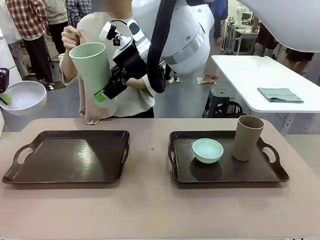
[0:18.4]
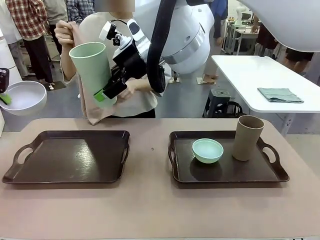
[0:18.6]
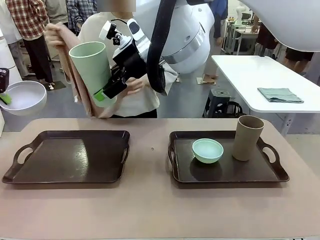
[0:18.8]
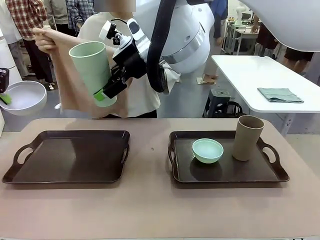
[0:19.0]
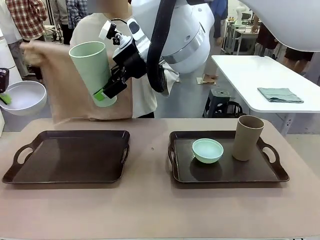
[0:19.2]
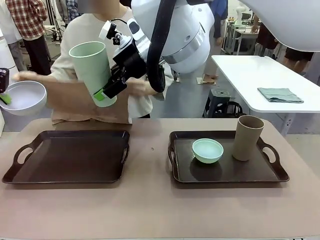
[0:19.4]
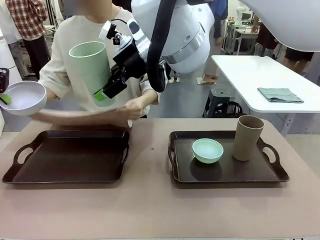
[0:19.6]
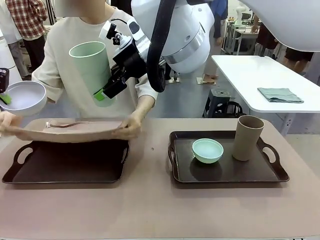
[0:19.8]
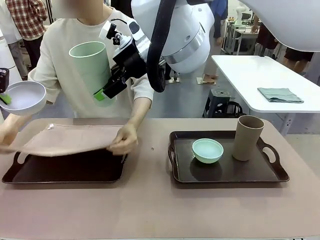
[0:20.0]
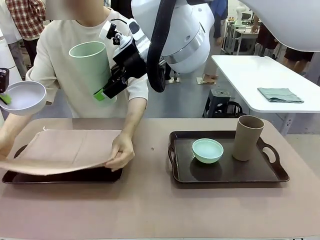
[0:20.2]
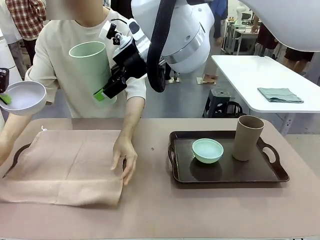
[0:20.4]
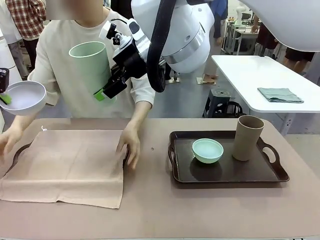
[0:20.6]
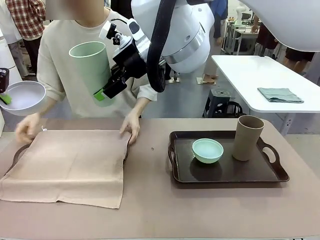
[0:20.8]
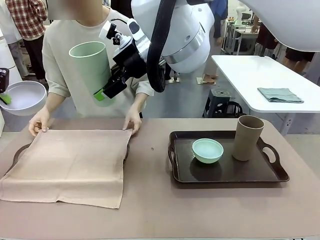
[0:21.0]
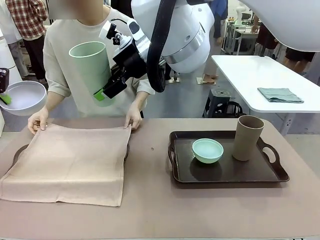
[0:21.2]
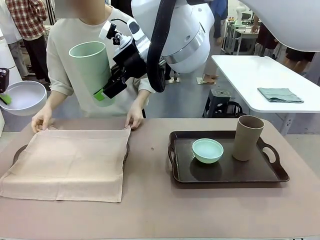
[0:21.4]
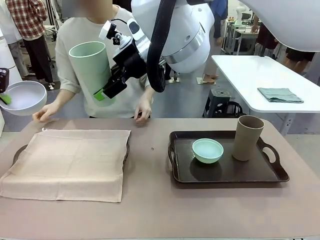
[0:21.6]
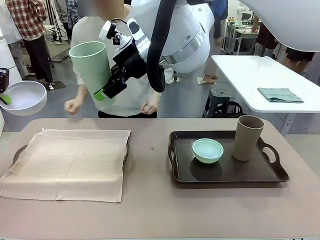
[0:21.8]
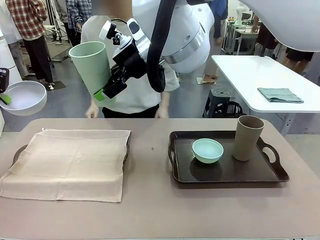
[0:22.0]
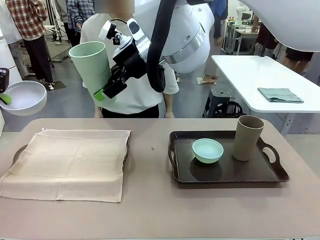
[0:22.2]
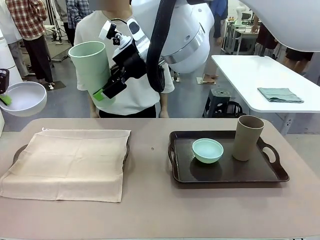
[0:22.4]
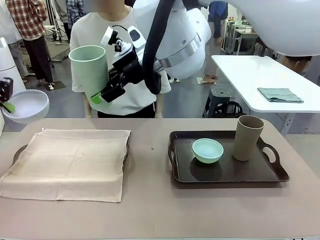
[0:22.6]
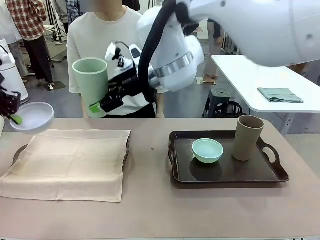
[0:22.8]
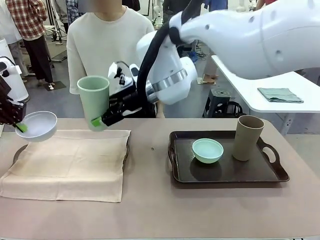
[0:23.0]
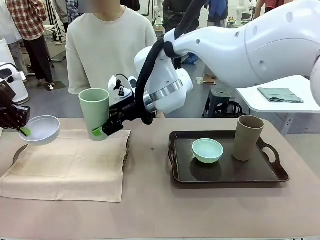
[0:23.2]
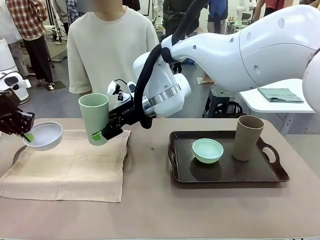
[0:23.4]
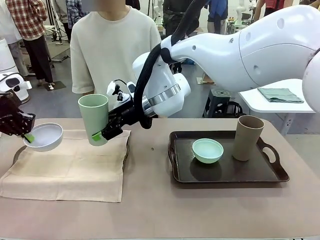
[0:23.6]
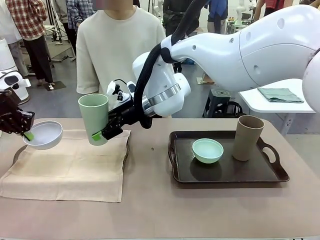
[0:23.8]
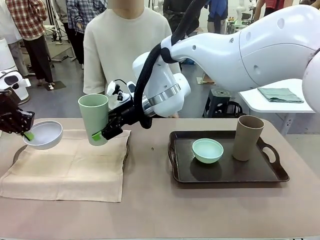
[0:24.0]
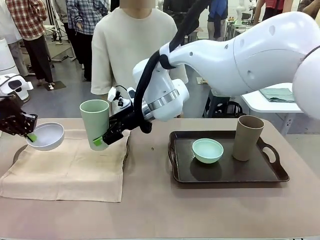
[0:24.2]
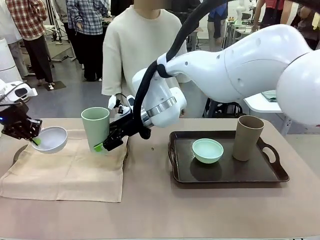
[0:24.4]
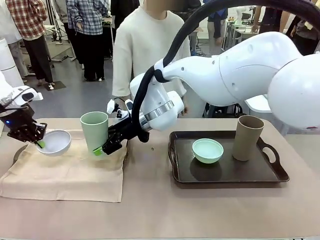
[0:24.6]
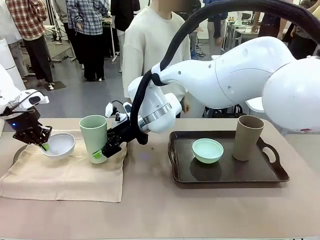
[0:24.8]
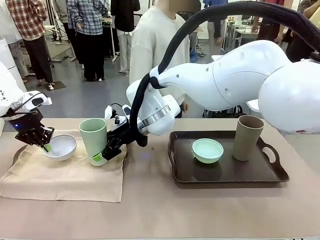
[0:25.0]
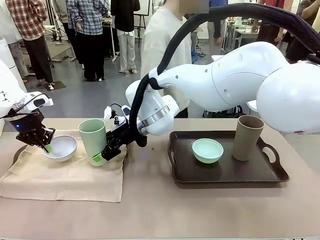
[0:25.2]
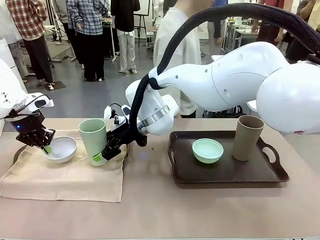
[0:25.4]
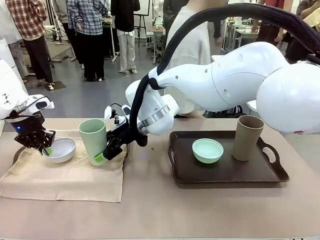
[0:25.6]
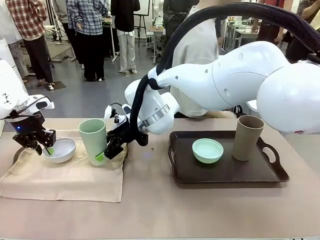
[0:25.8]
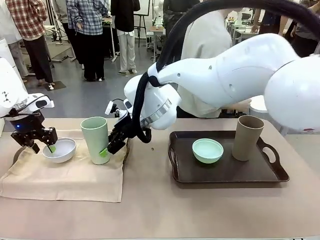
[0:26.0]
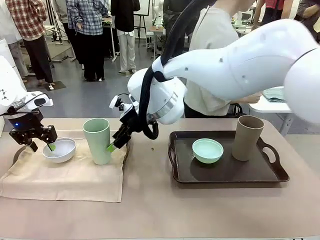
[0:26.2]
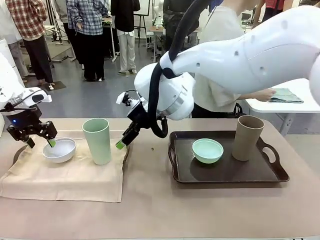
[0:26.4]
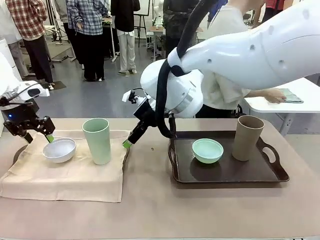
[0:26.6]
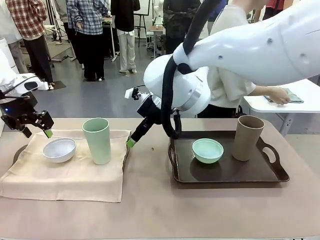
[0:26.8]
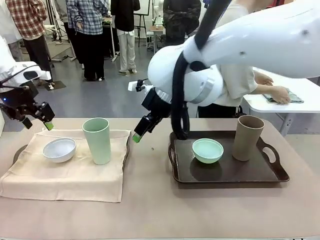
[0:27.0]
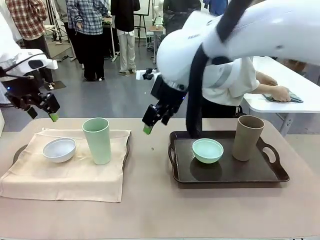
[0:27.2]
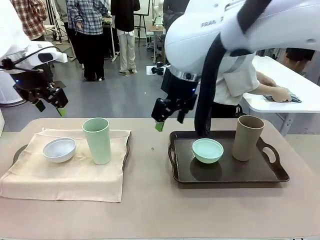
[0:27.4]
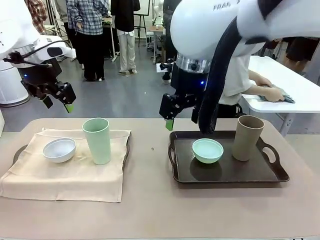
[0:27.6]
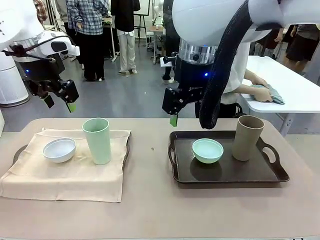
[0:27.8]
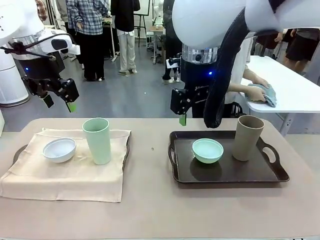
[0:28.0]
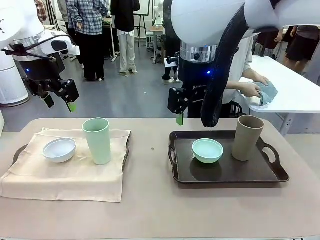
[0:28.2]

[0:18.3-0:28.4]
Robot: Place the Picnic Bowl and Reusable plastic cup back onto the Handle tray in front of the human's position.
Person: The human returns to the human table to pick up another napkin and walks to the robot table to stand in front of the tray without a napkin.

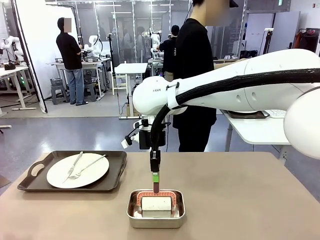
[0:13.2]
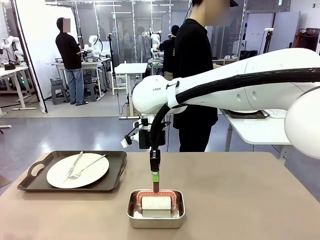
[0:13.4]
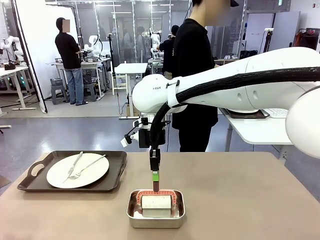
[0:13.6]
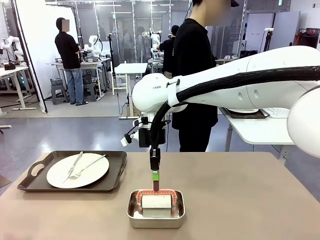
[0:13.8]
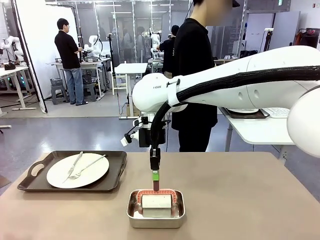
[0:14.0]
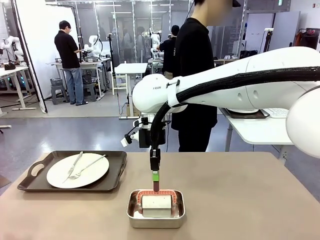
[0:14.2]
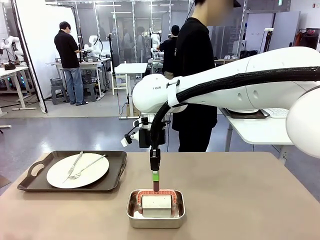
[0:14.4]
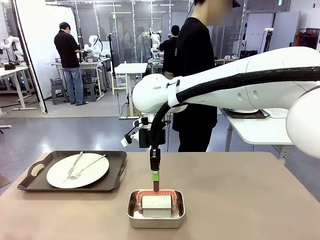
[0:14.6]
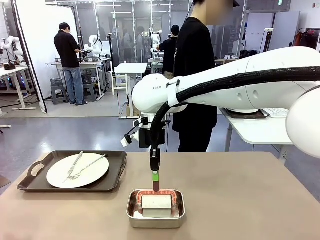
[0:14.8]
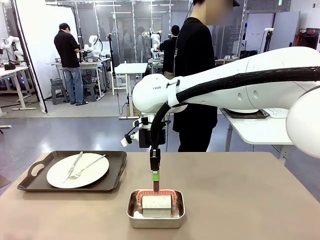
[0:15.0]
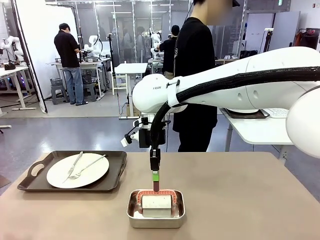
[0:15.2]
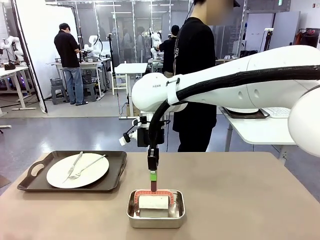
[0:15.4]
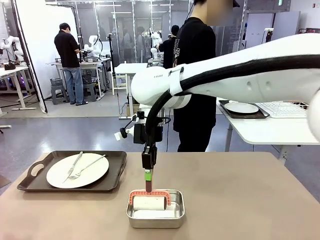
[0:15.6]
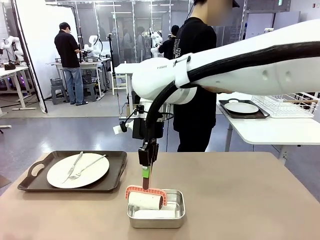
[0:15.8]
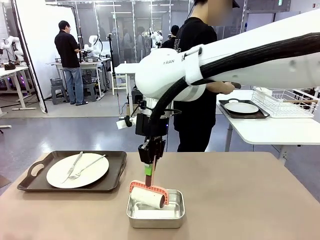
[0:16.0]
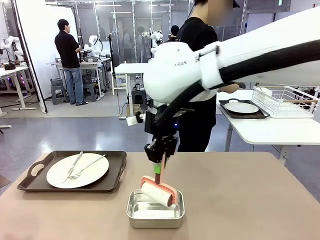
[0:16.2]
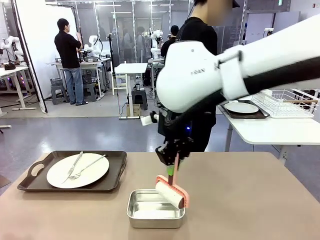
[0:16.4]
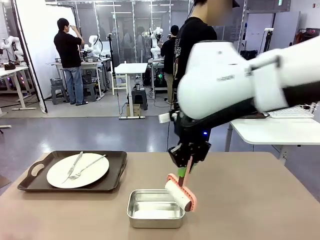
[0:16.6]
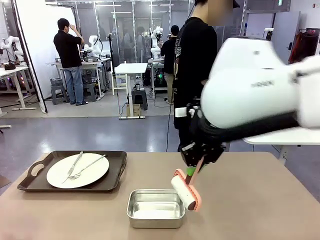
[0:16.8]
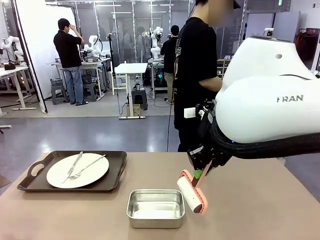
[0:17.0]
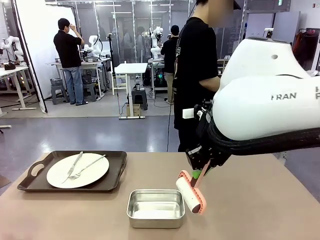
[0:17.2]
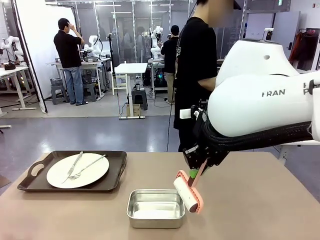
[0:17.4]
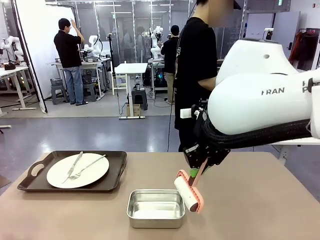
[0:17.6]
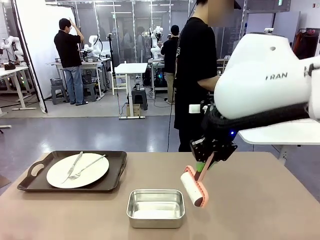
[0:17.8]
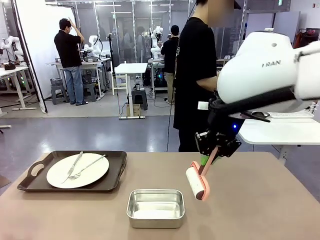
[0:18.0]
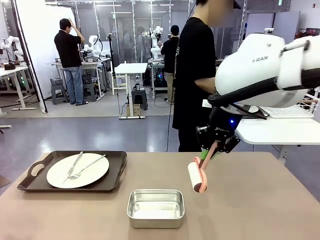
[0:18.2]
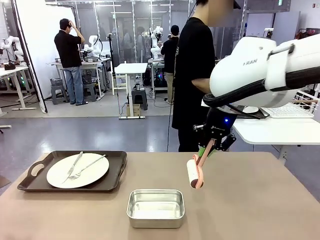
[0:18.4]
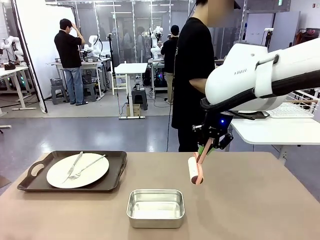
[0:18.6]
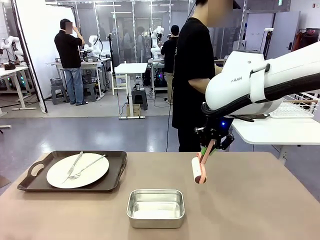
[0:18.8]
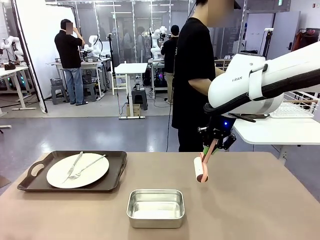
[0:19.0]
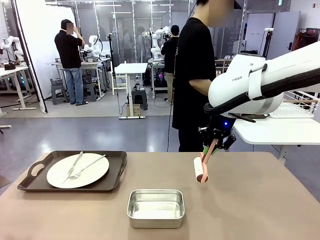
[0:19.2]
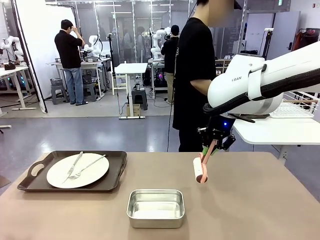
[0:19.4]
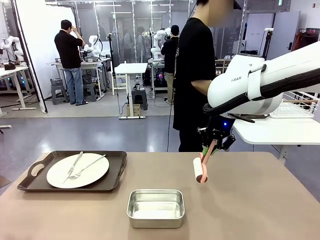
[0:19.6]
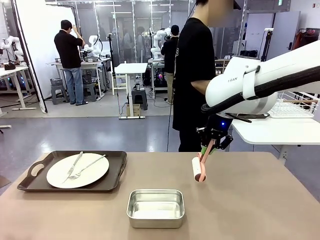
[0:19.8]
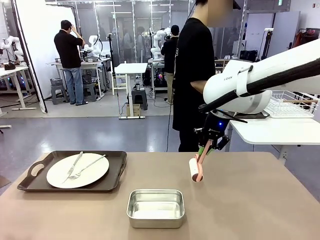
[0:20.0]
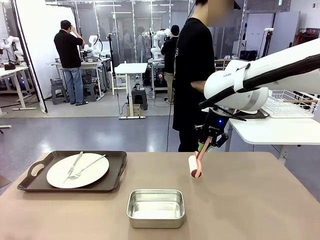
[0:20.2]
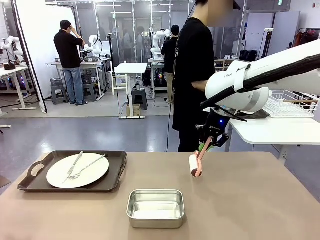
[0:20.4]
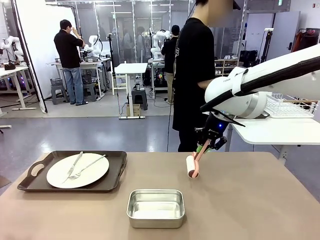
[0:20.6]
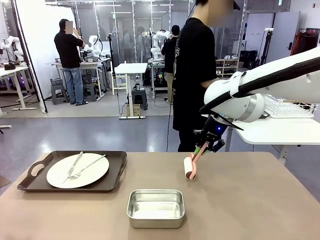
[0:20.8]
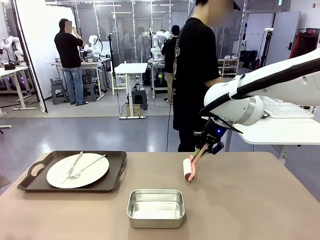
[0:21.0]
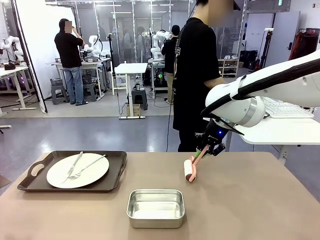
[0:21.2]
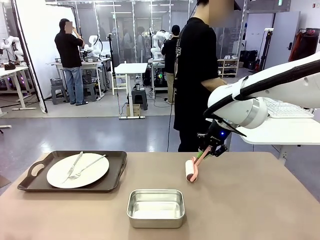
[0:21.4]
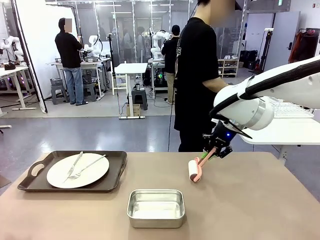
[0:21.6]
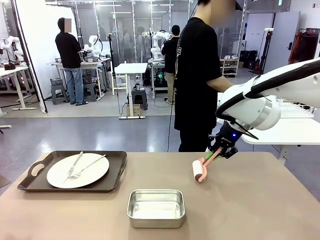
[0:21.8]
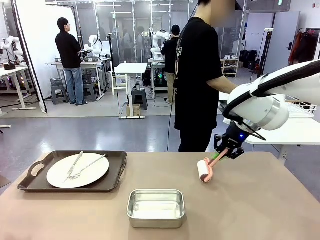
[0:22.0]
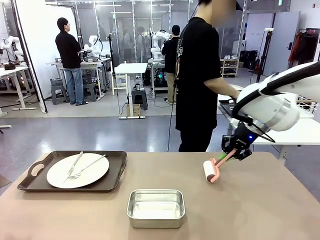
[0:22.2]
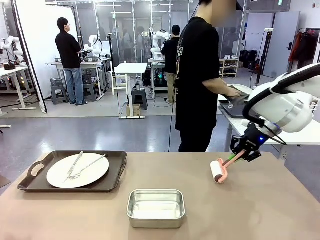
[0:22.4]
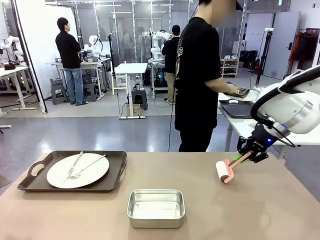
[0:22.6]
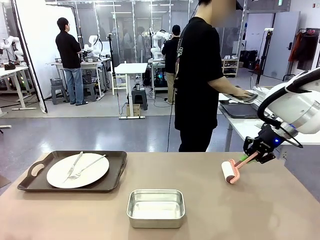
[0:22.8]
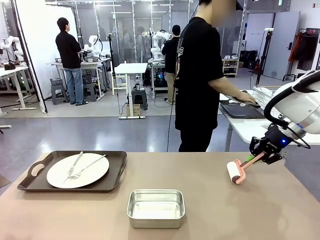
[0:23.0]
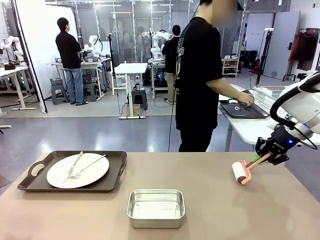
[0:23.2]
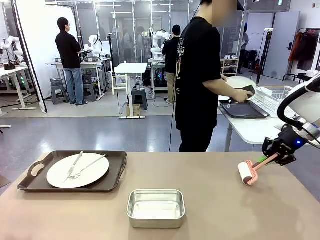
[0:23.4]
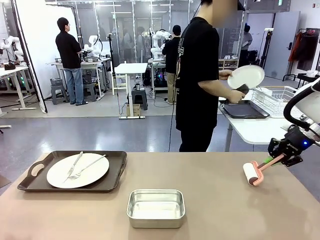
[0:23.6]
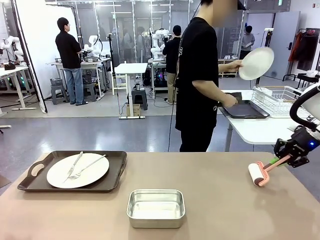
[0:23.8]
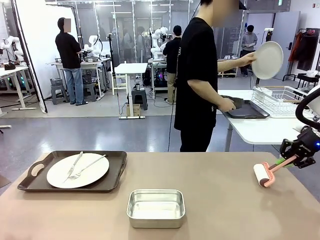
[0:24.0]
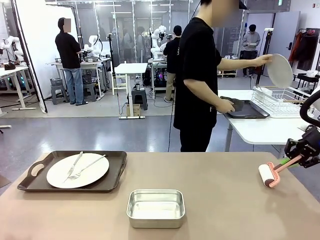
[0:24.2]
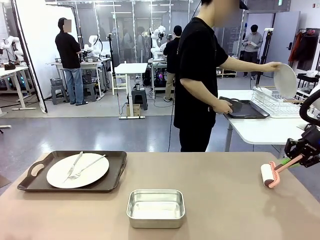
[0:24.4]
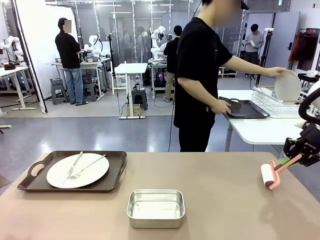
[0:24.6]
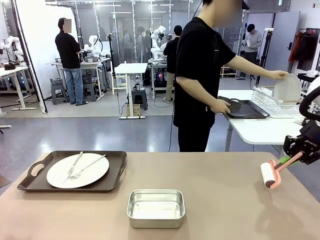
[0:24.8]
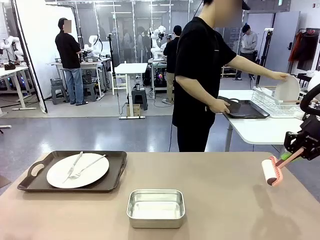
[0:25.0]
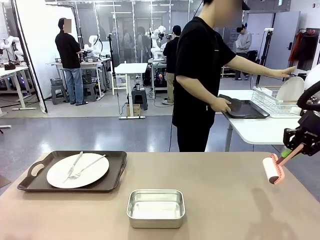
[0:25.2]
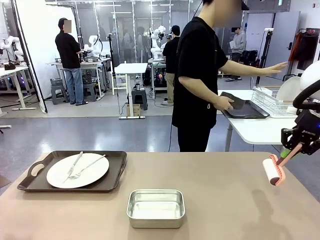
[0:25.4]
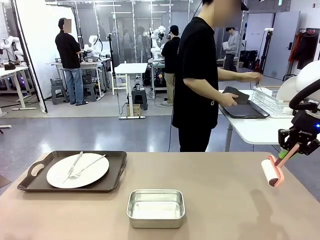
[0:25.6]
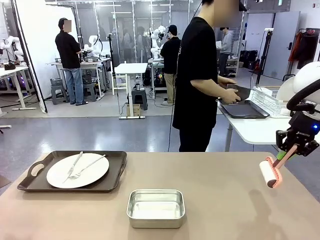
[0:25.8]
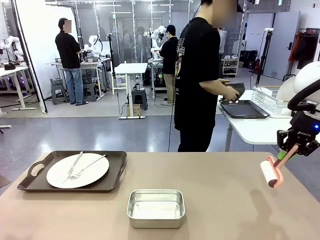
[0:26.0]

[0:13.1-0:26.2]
Robot: When the left (or right) Handle tray is removed, use the left hand (or right hand) to clean the left (or right) side of the table with the Lint Roller.
Person: Use the Towel with hook to wipe the Plastic Matte Plate , Fork , and Knife and place into the Dish drying rack.
